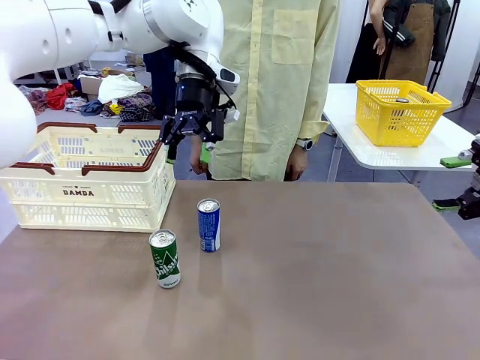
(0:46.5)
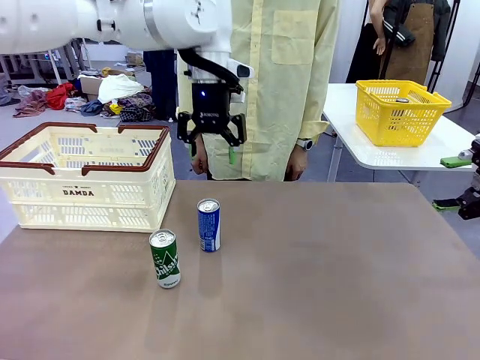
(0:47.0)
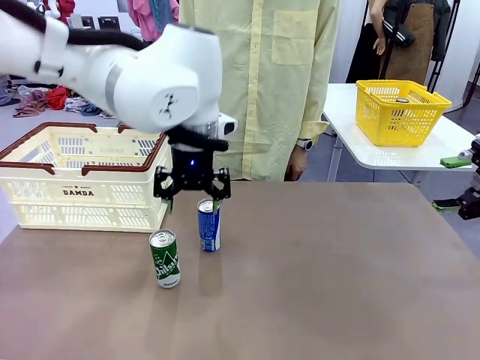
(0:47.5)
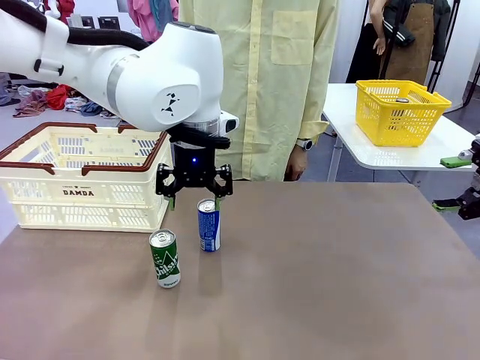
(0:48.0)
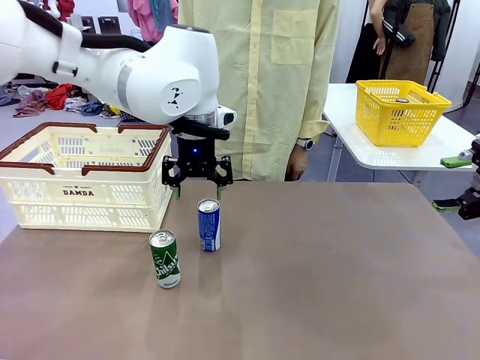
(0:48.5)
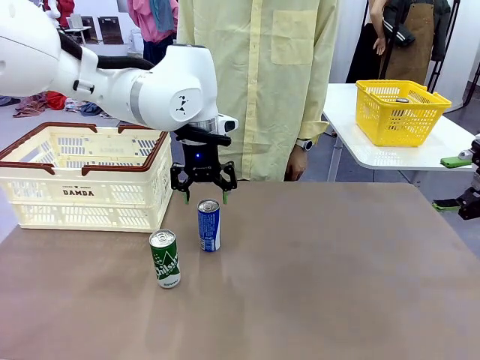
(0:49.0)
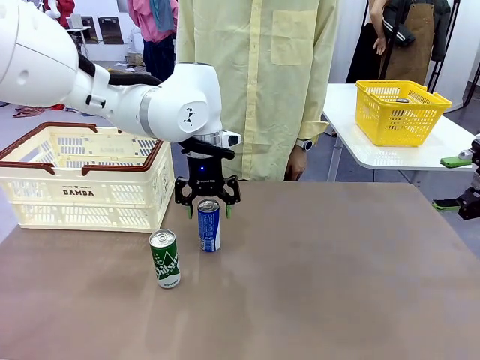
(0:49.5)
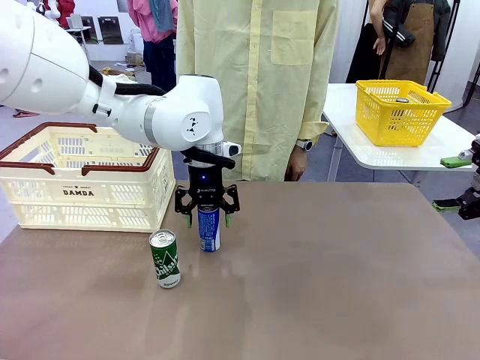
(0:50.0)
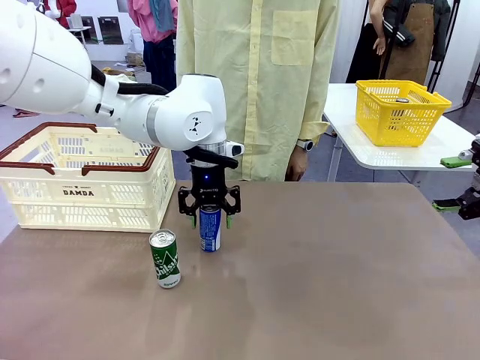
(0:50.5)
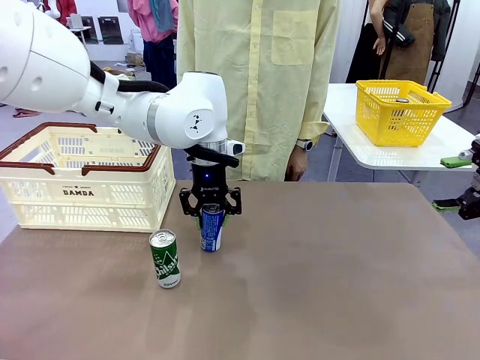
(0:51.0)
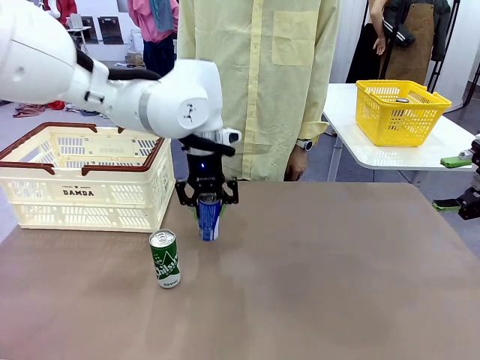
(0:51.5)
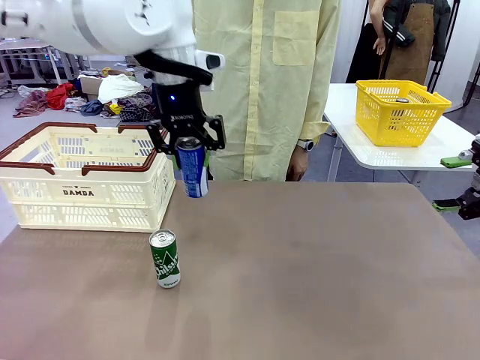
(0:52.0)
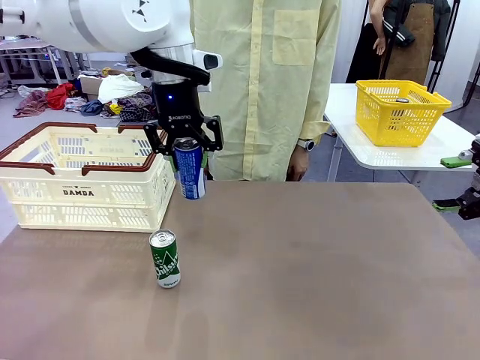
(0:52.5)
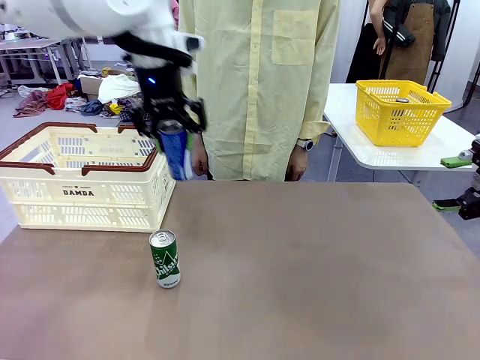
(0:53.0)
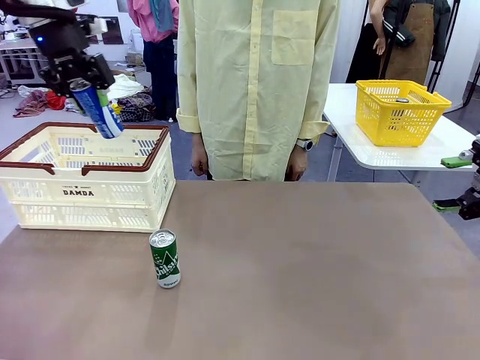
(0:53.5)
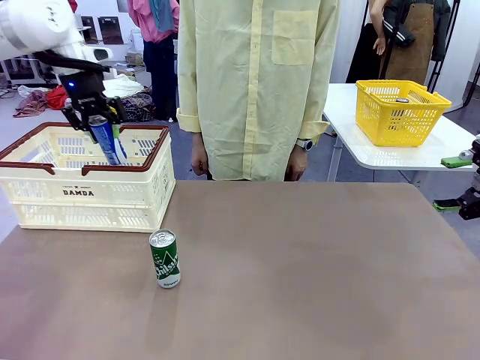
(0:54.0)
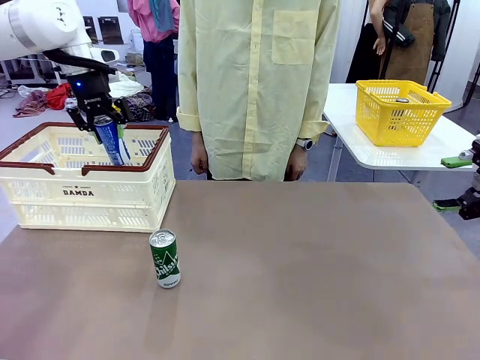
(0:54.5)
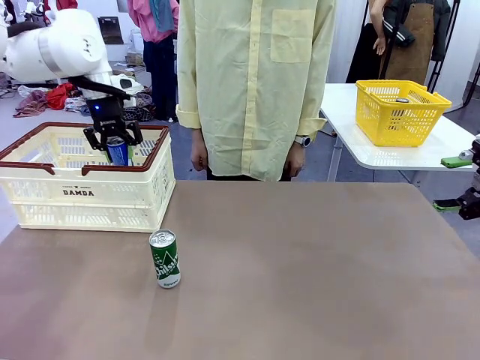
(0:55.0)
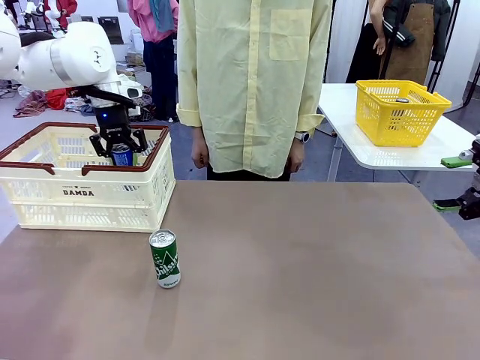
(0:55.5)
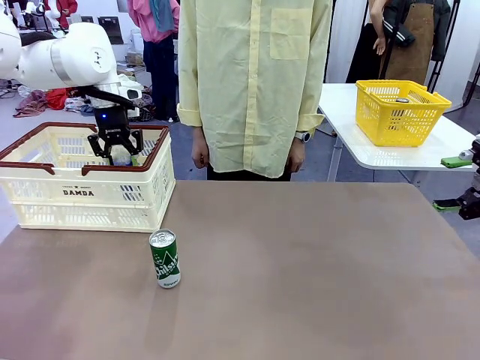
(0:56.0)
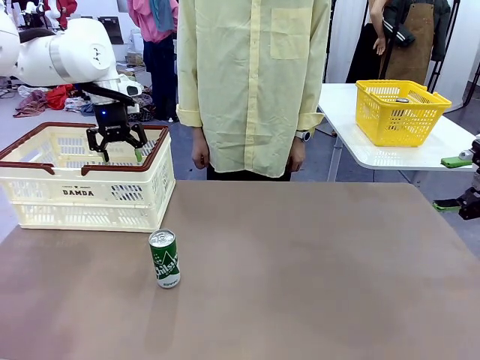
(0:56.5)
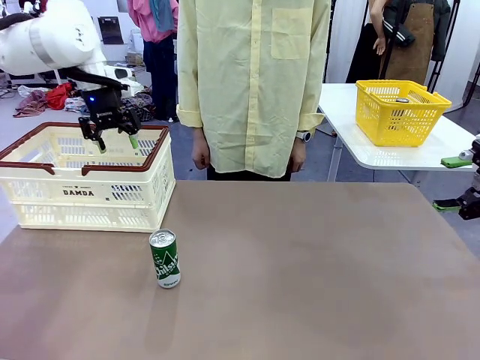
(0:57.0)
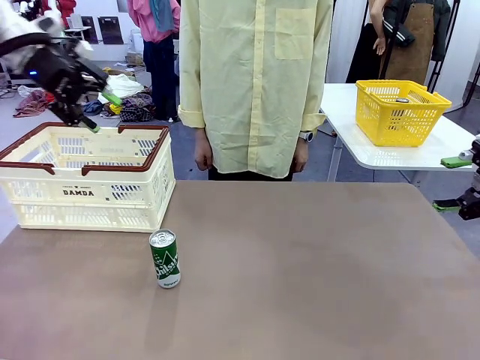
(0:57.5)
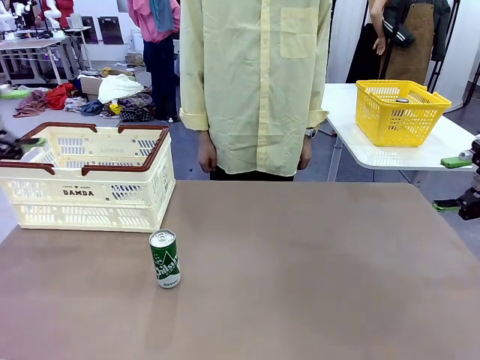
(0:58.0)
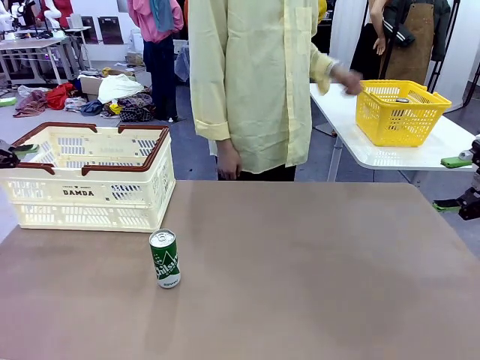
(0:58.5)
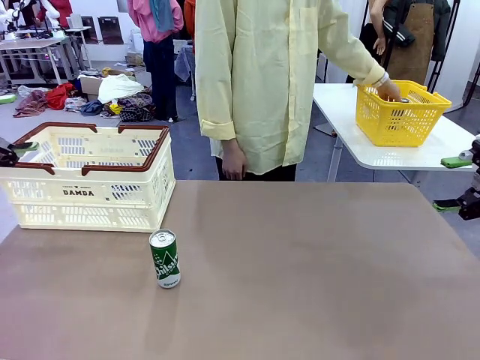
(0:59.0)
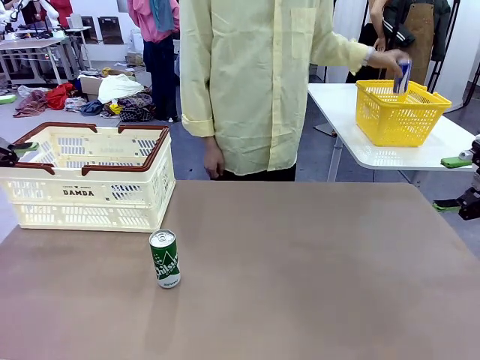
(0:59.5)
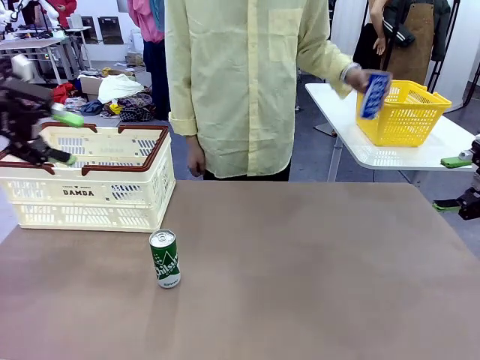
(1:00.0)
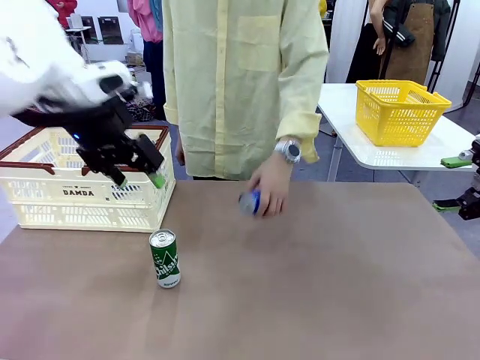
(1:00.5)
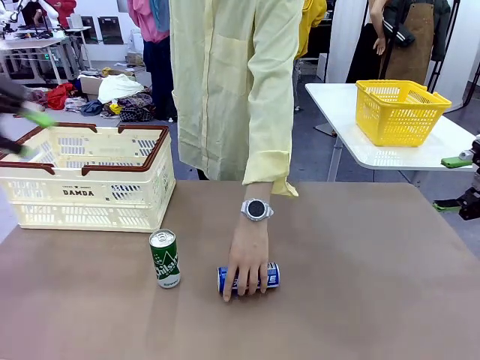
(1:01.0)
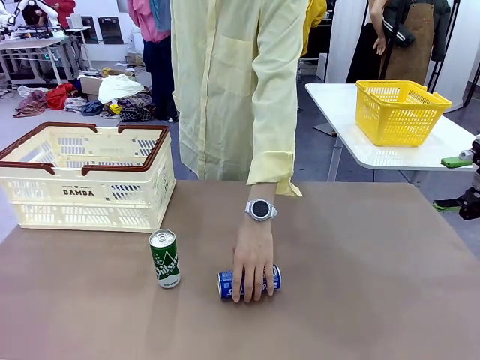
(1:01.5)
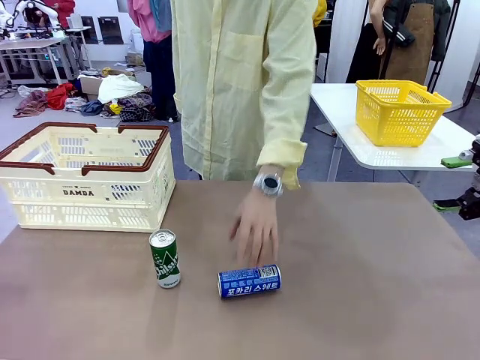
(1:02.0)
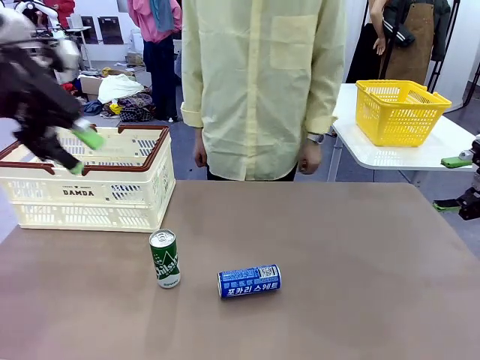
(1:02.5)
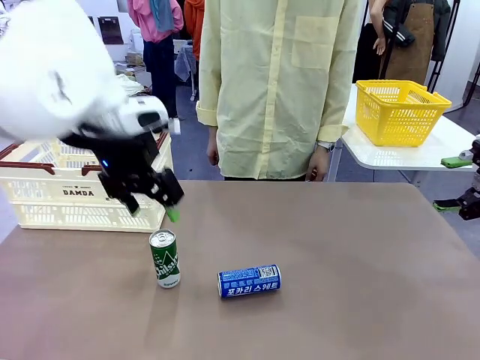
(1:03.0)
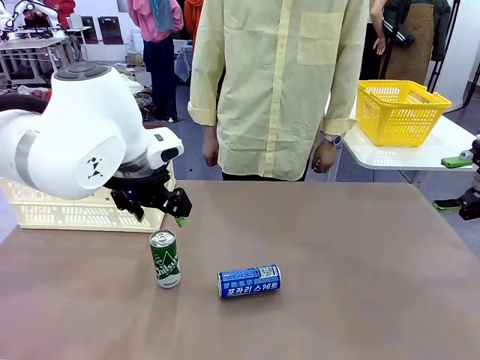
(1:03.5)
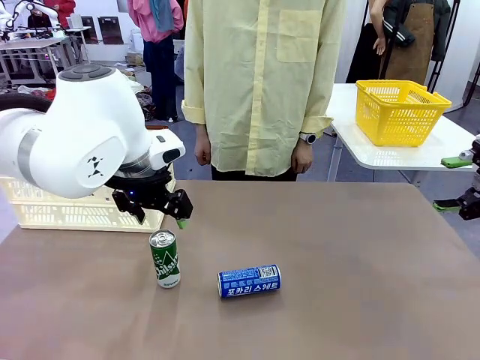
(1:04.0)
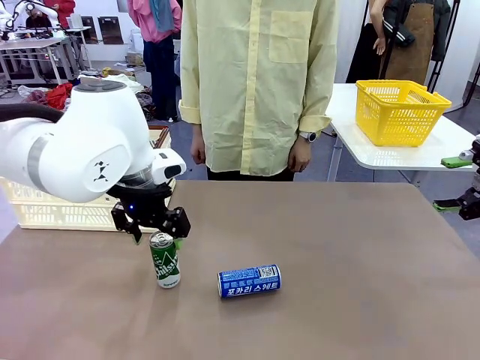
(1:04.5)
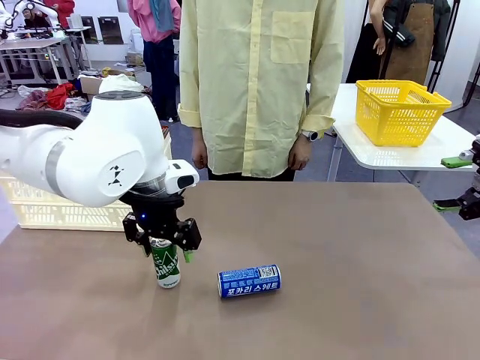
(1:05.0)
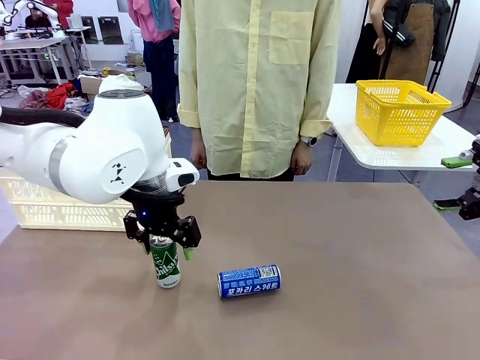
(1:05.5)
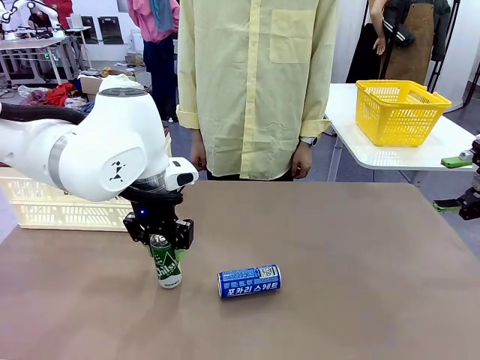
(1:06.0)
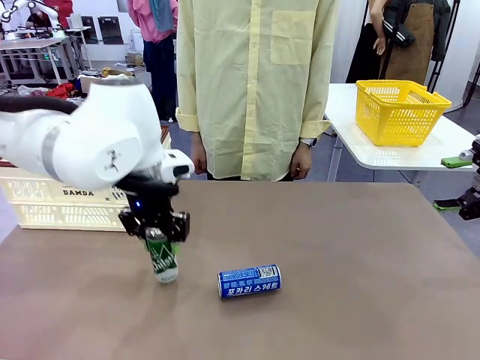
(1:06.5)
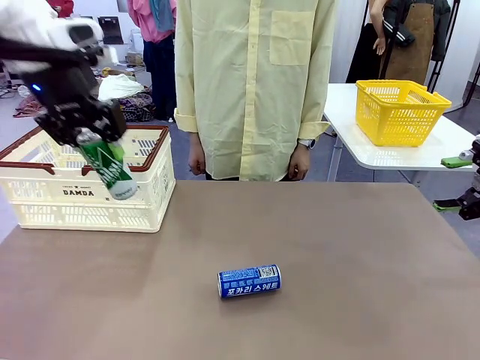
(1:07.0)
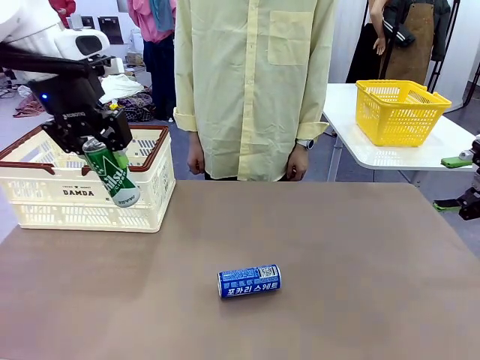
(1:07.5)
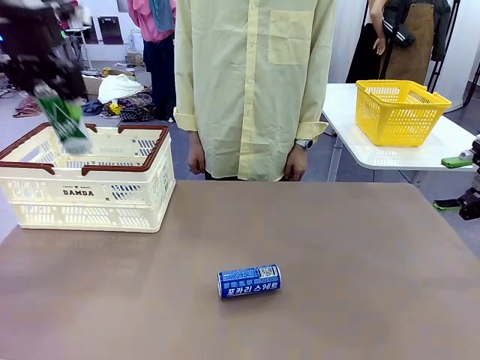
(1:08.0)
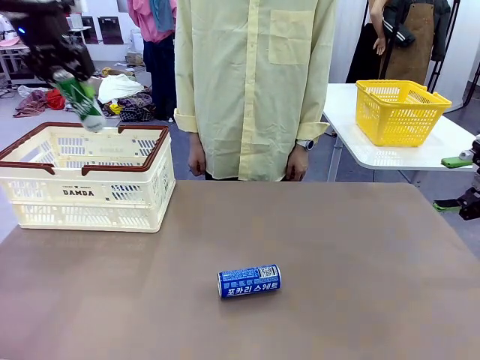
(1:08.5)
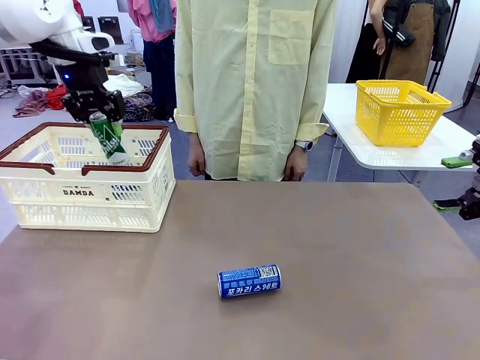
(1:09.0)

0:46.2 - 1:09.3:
Task: Place the drinks into the Shopping basket.
Robot: Pick up one drink and place it into the Shopping basket.
